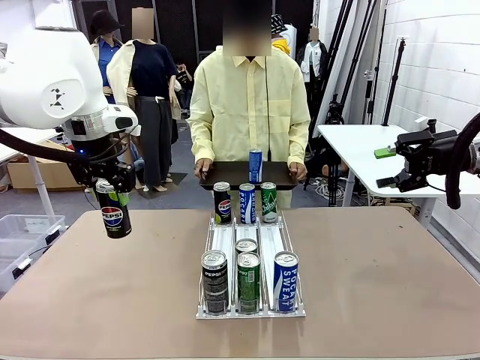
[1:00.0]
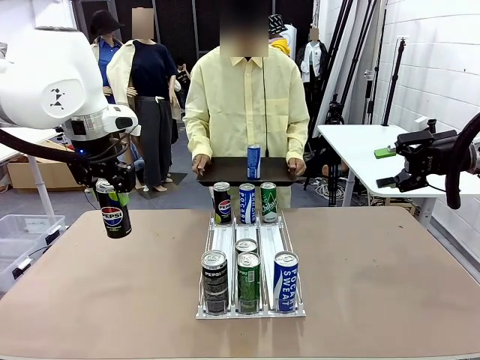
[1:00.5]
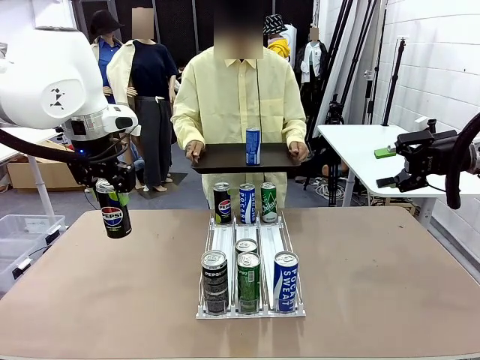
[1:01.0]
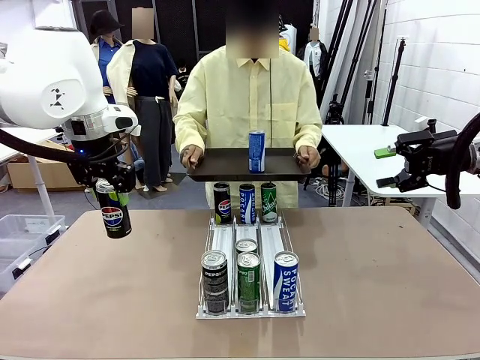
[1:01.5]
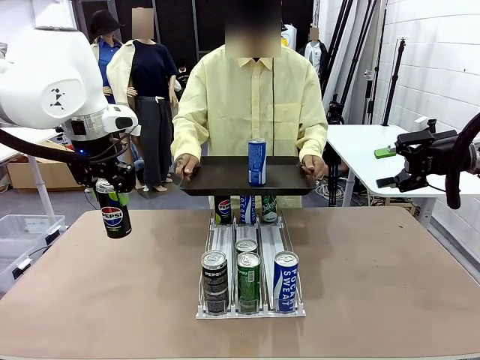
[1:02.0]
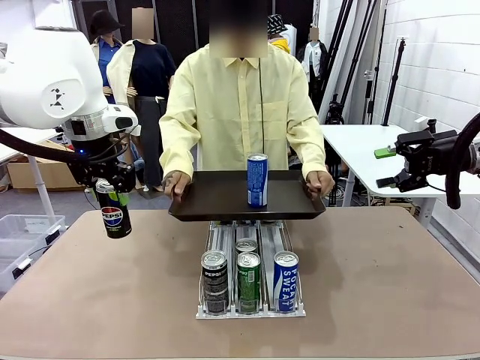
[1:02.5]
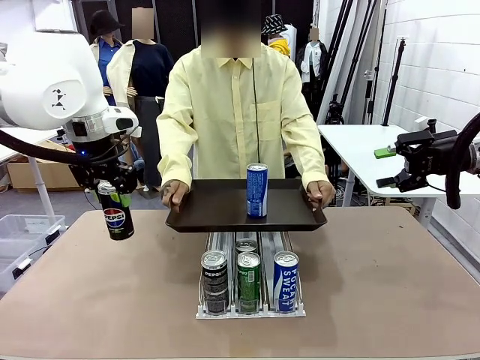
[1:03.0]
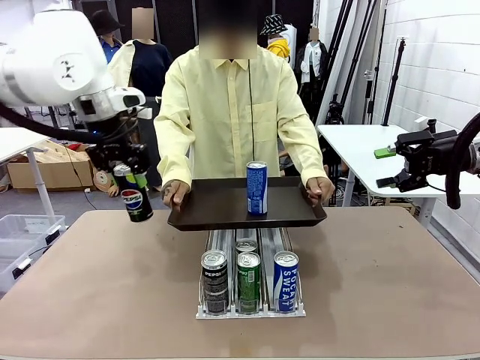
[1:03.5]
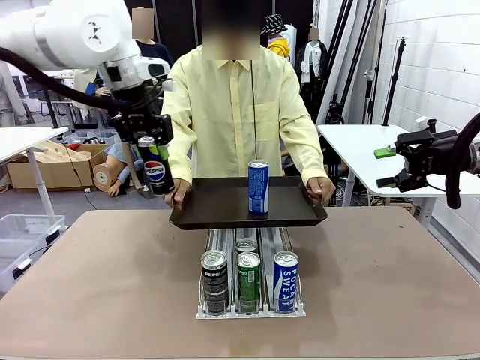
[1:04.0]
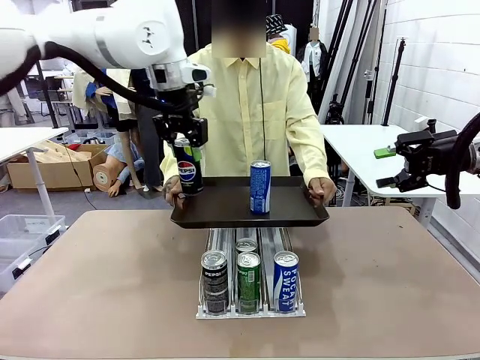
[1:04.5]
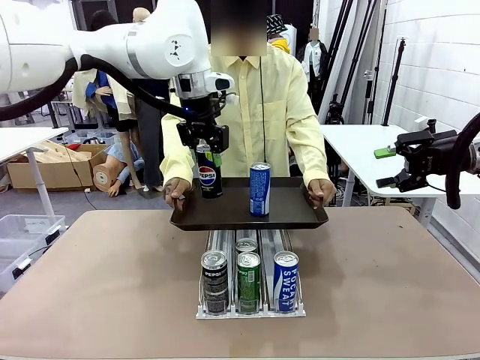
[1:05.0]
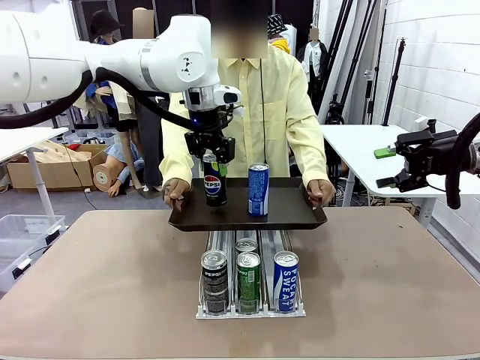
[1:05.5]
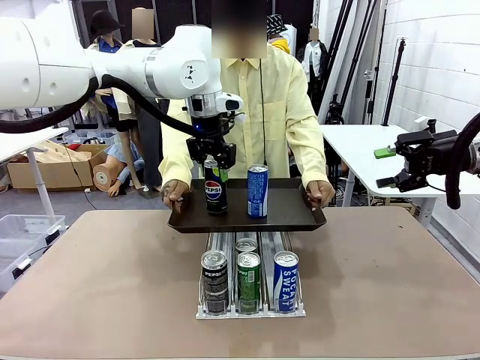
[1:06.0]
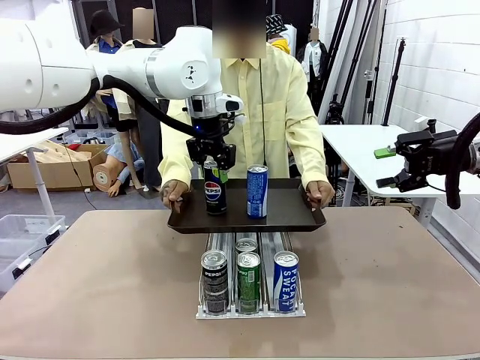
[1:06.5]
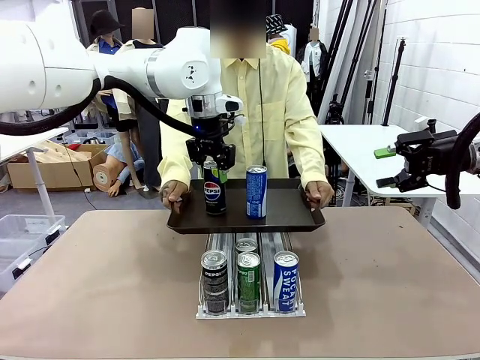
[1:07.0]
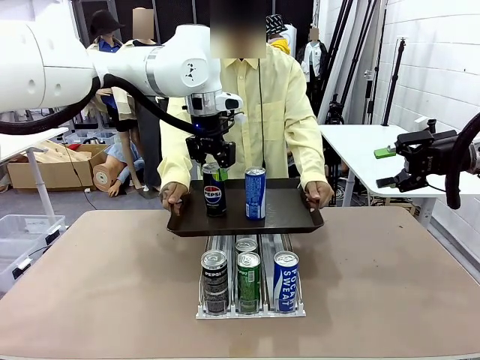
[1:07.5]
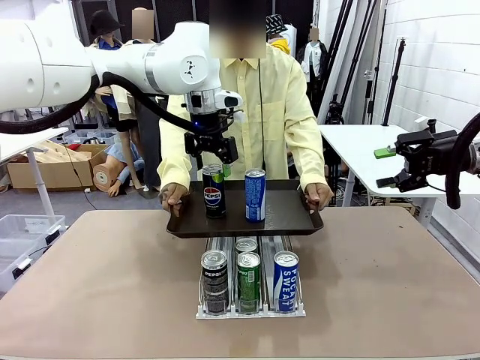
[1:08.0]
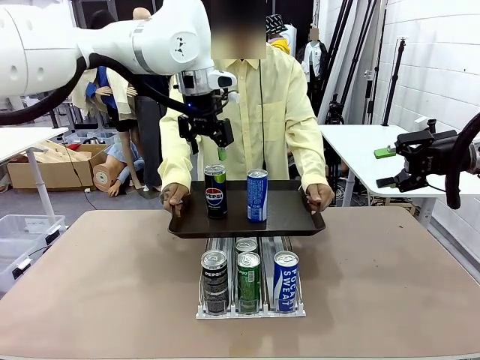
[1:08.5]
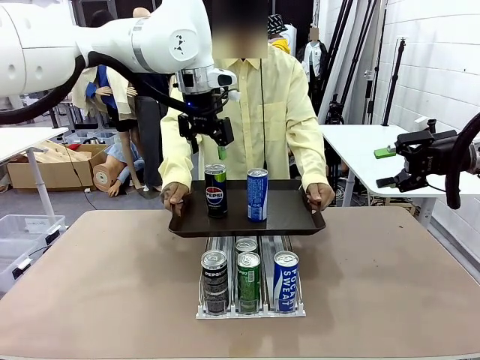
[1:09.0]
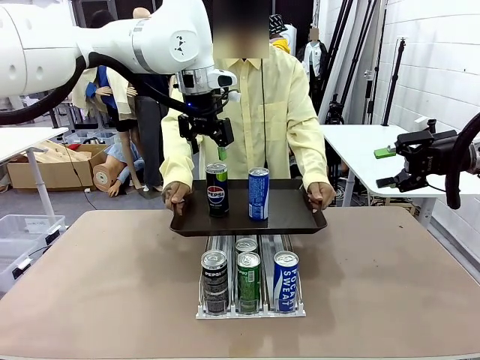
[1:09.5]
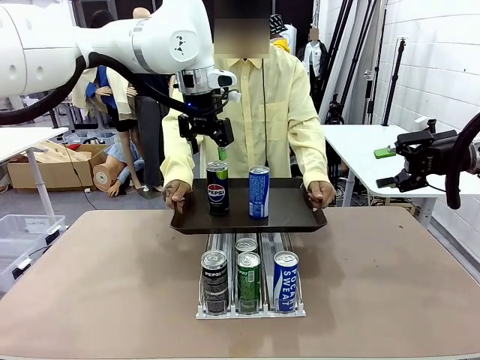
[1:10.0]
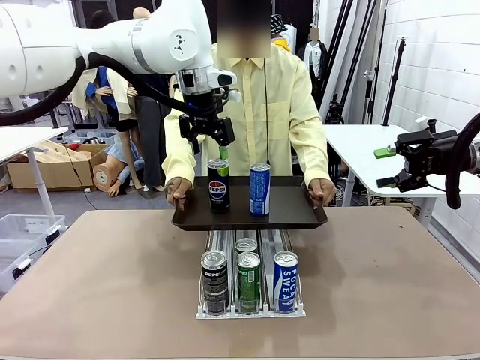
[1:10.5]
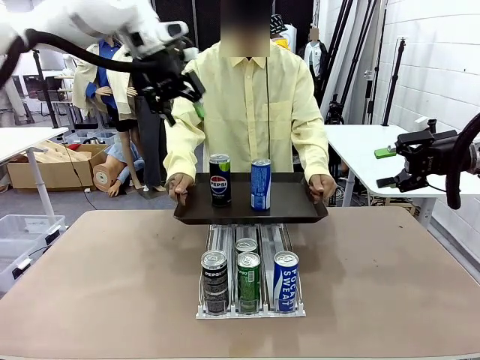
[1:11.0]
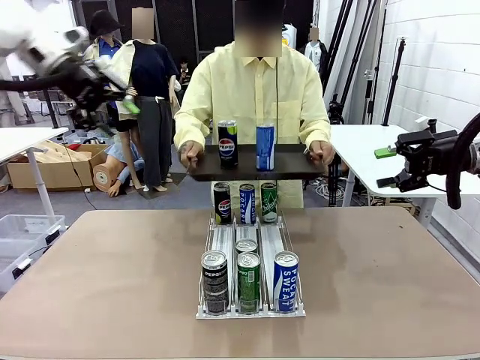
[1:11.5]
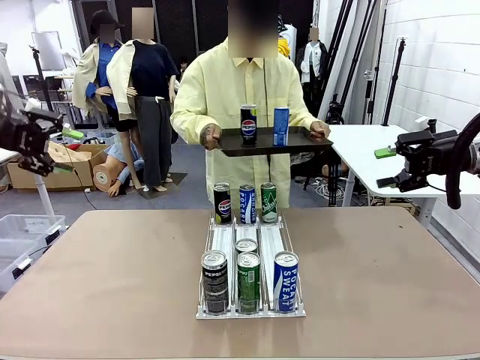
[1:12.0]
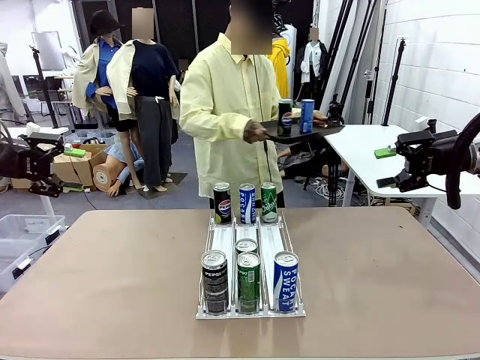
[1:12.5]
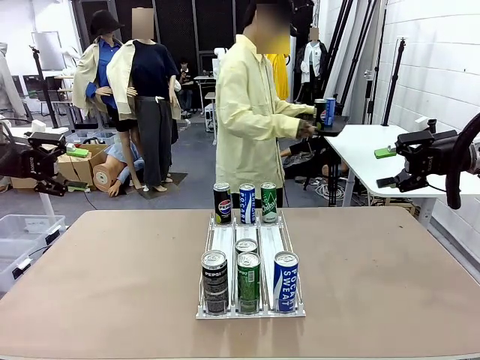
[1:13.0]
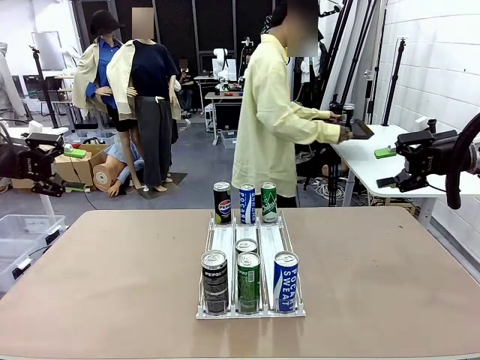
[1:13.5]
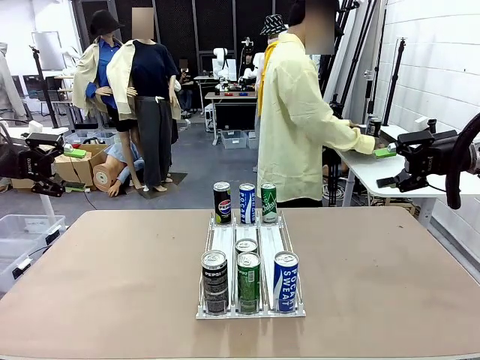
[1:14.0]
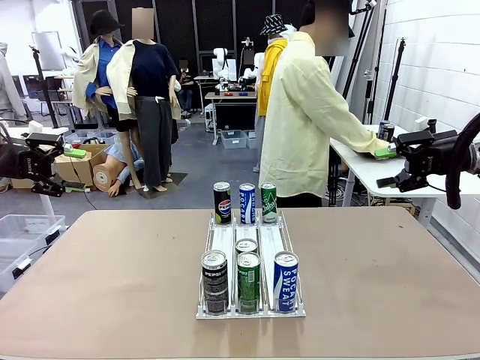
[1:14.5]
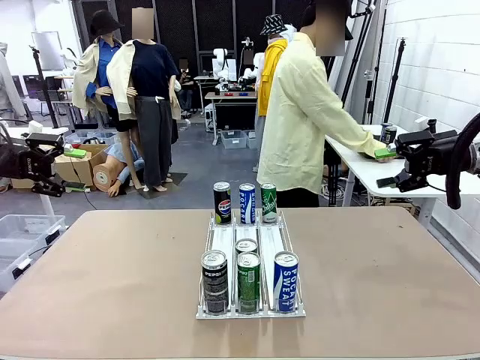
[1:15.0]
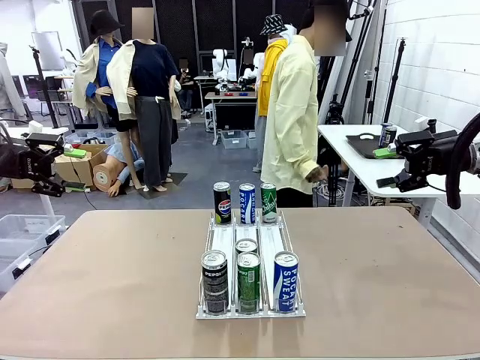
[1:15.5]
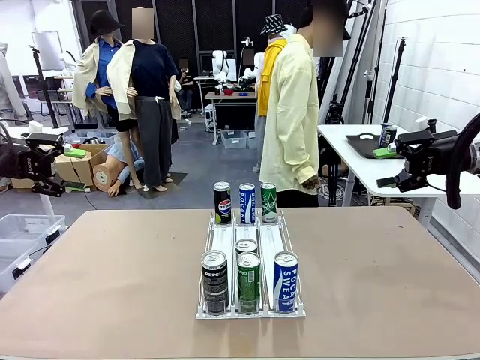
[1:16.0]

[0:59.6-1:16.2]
Task: Retrieve and hand over the desired beverage to the person.
Robot: Place the picked can on the Handle tray extended by the person.
Person: Pull the tray back and place it at the center of the human table.

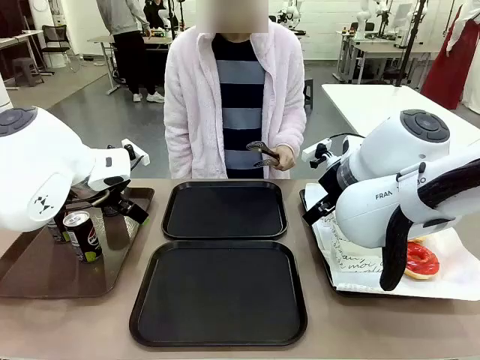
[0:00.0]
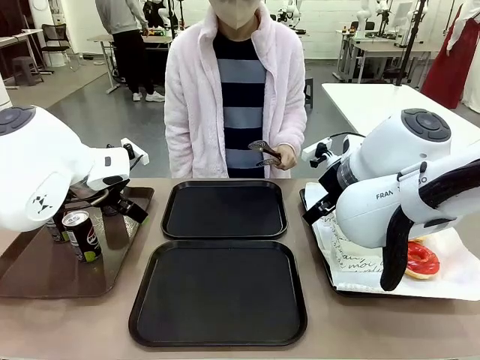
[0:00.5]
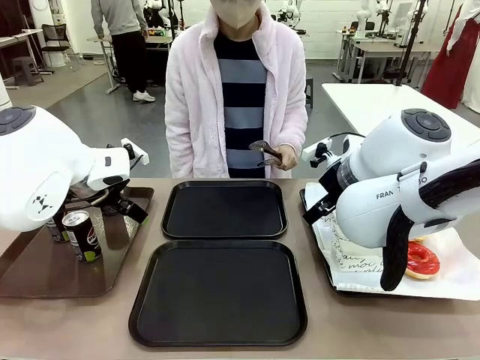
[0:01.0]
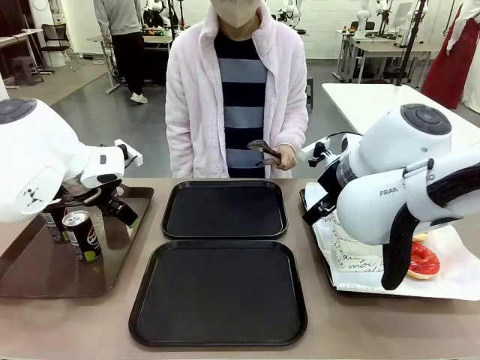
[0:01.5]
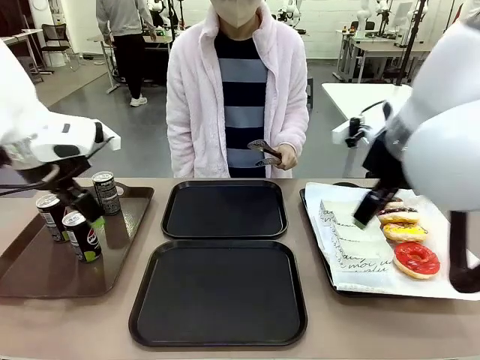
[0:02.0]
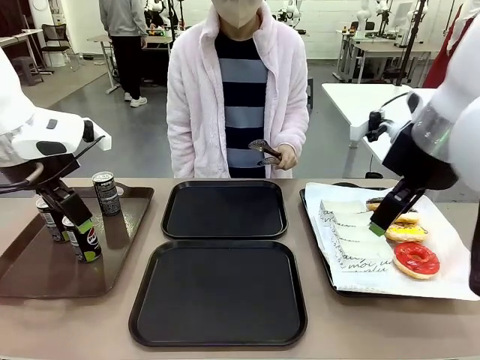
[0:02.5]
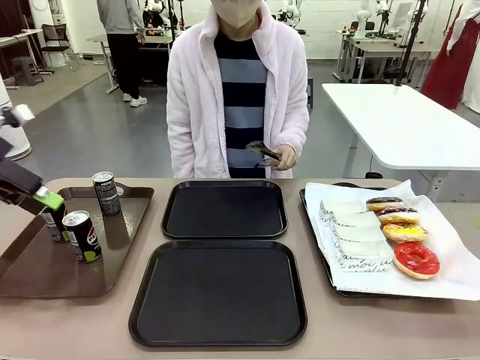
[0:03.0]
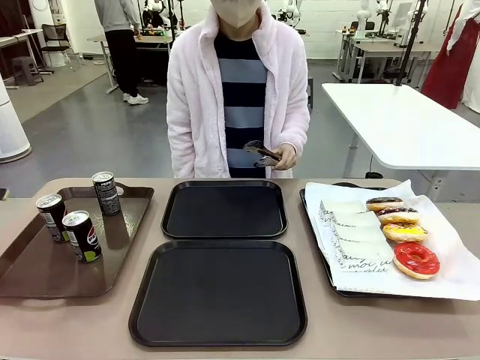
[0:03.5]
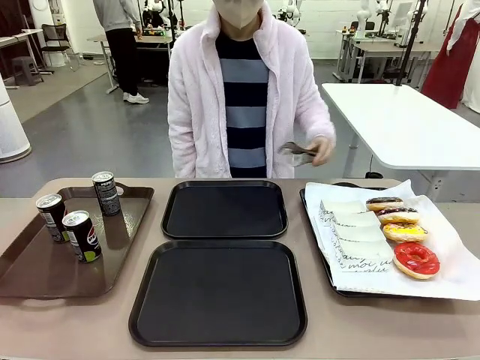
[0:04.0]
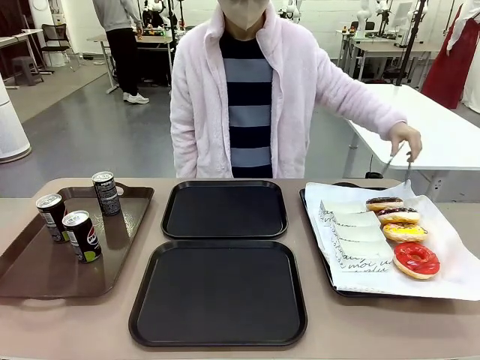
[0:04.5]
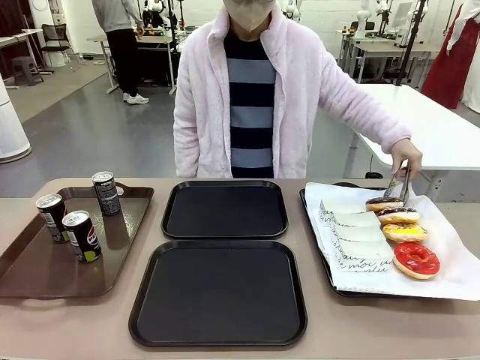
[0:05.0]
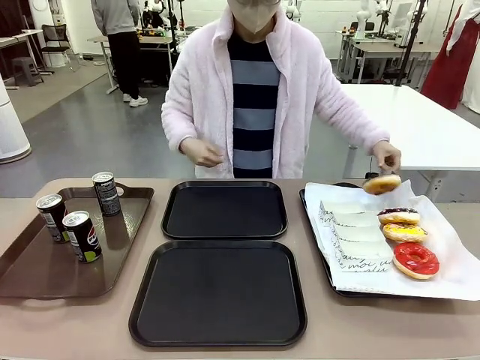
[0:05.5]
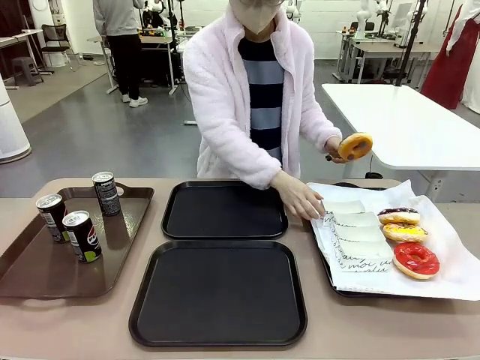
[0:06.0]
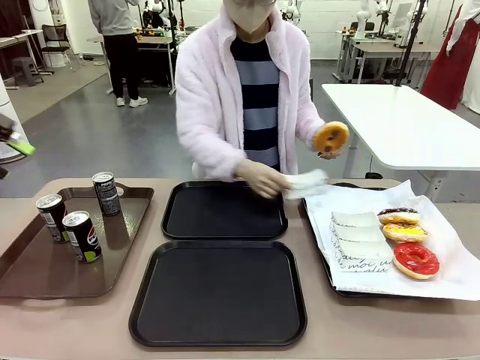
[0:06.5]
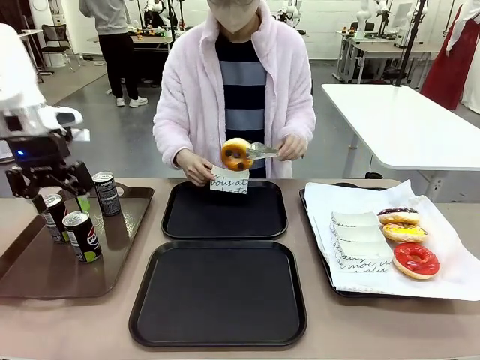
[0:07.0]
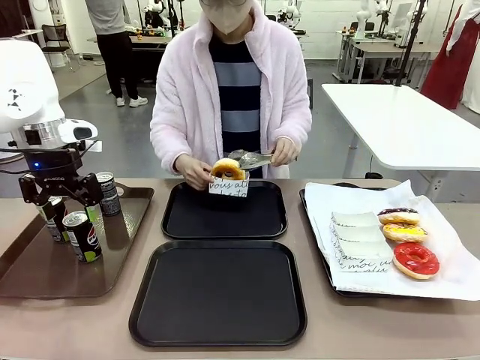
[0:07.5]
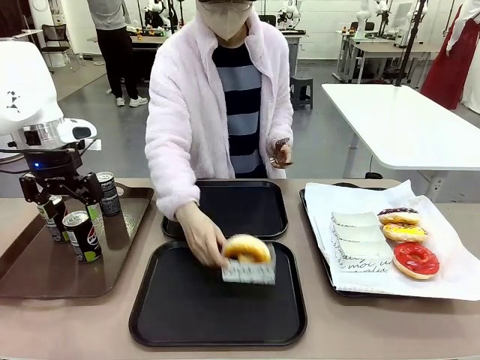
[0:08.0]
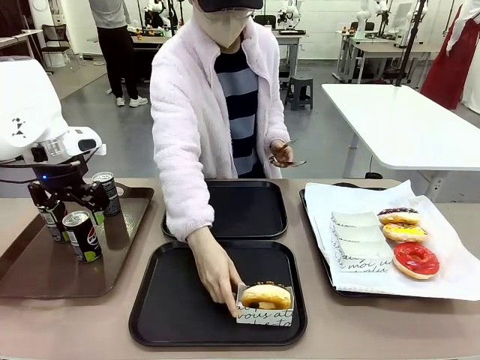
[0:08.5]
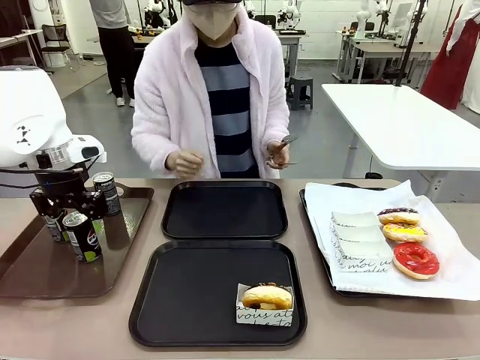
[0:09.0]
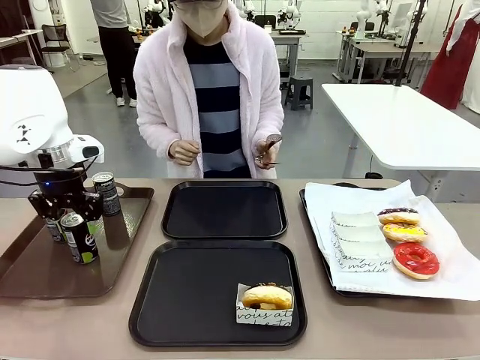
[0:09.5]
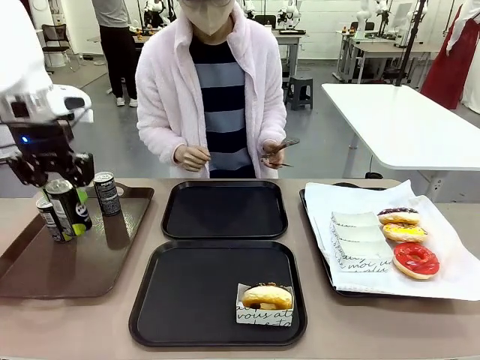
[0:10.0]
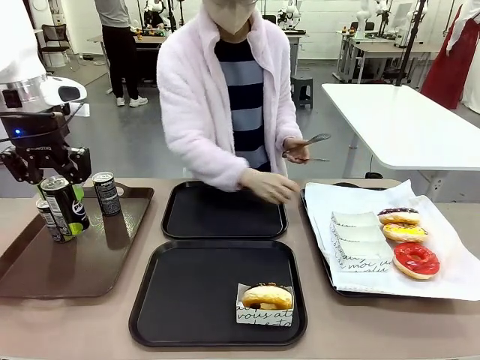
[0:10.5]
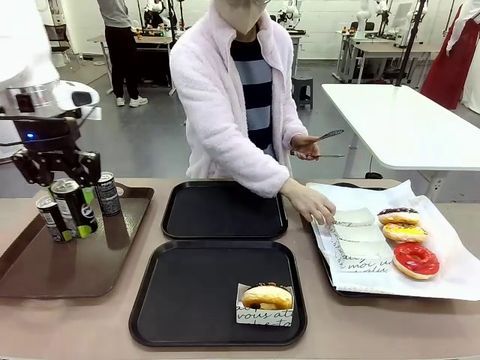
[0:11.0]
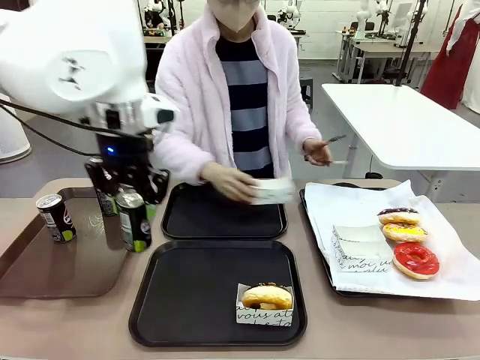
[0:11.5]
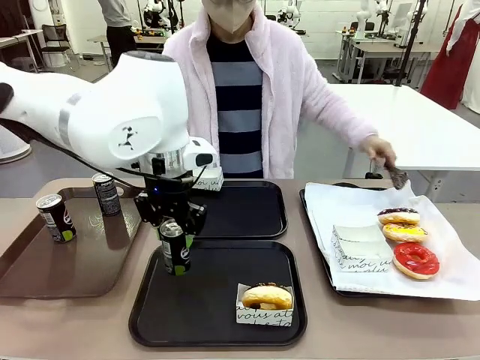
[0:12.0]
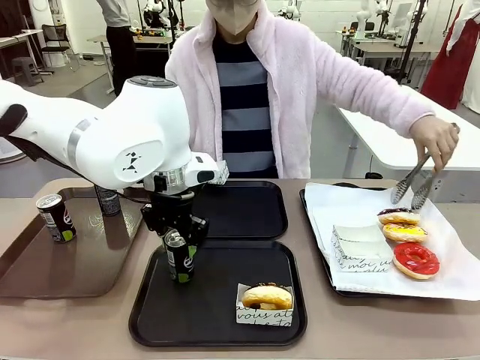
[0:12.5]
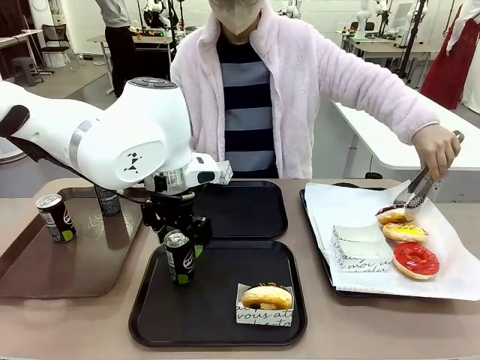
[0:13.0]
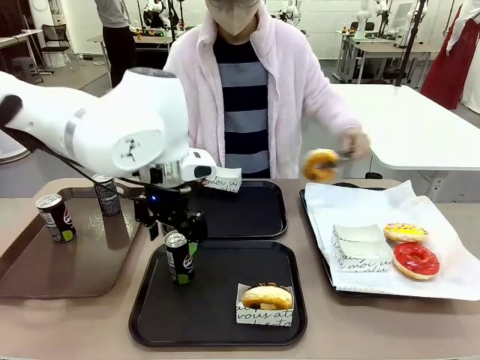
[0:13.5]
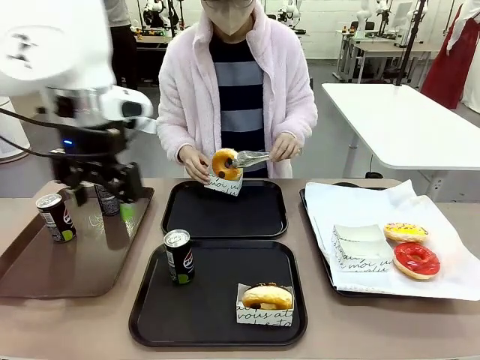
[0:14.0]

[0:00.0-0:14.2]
Task: Set up donuts and drinks on trays.
Robot: Pick up one Pepsi coke and place it on the Flat Tray.
